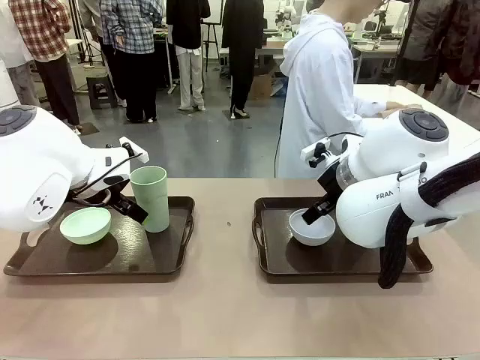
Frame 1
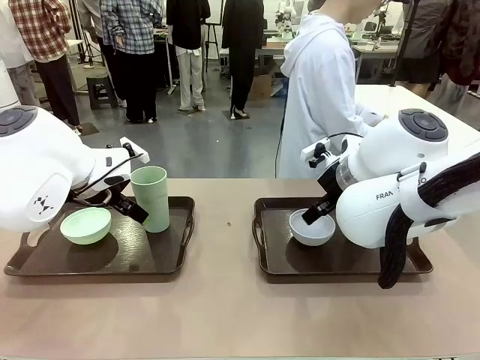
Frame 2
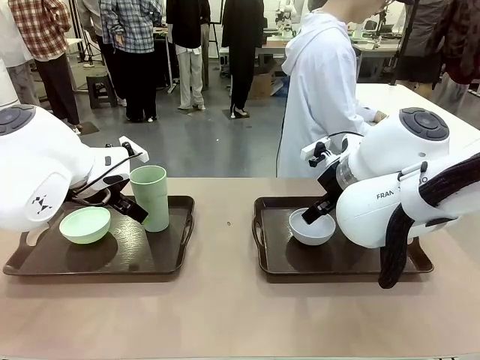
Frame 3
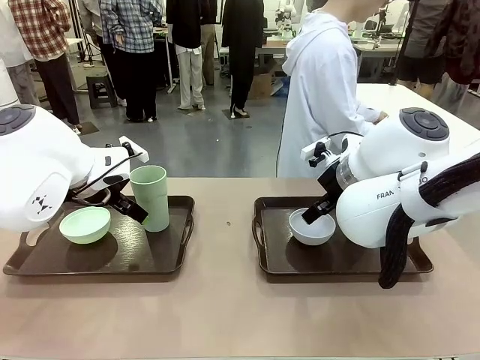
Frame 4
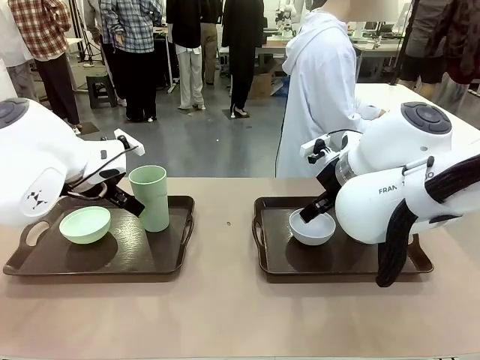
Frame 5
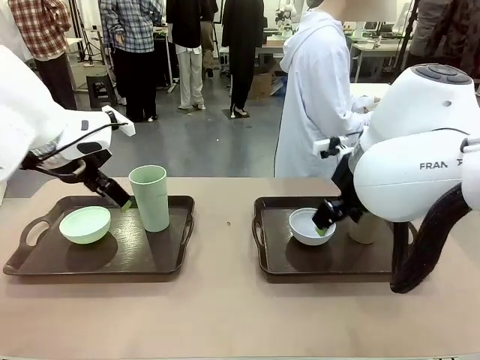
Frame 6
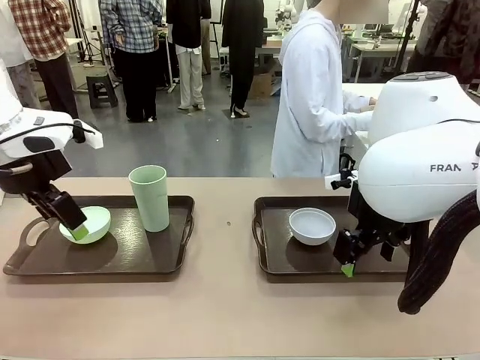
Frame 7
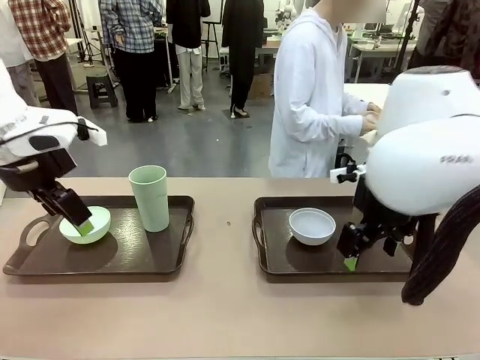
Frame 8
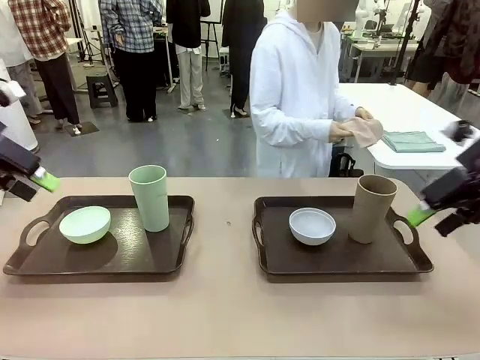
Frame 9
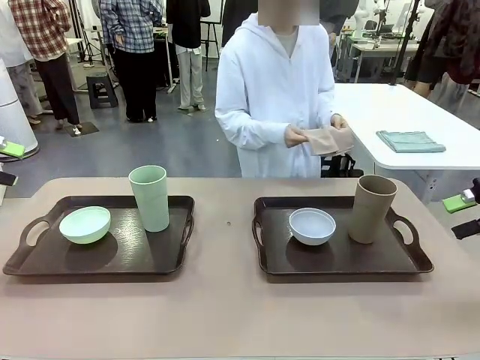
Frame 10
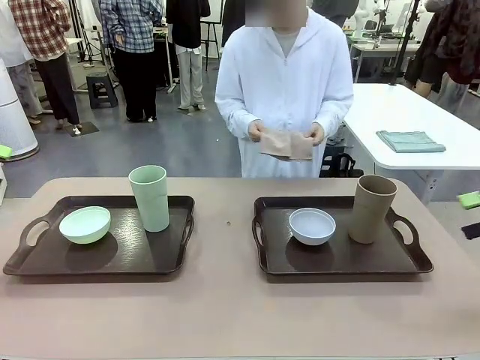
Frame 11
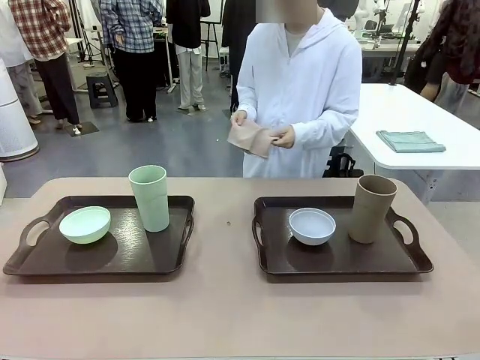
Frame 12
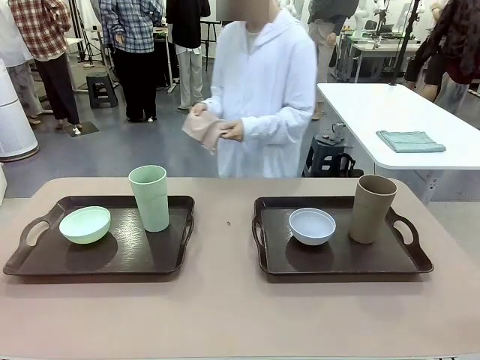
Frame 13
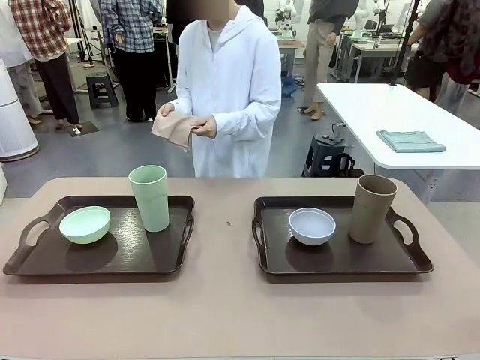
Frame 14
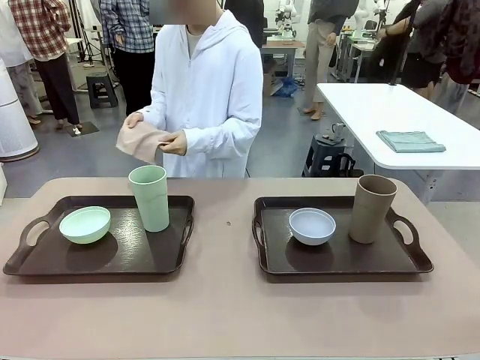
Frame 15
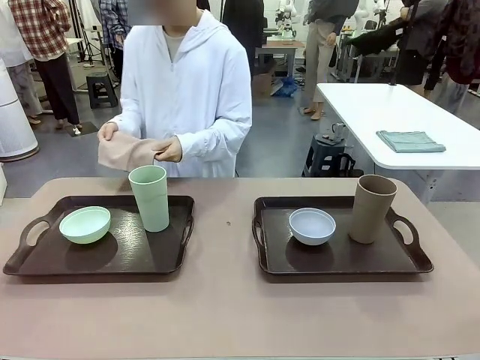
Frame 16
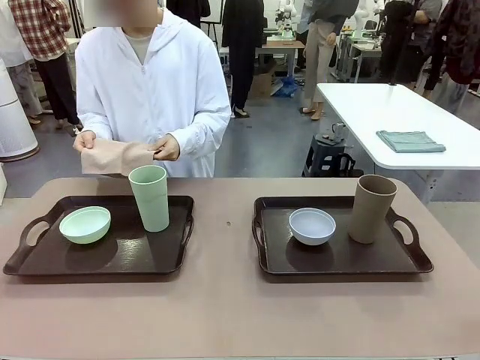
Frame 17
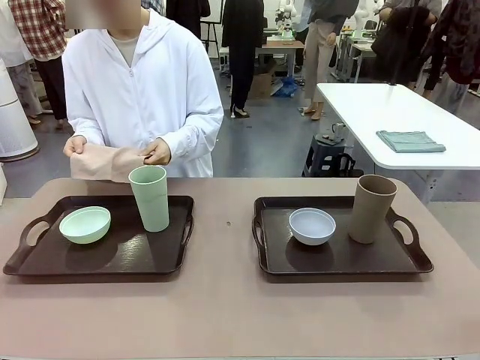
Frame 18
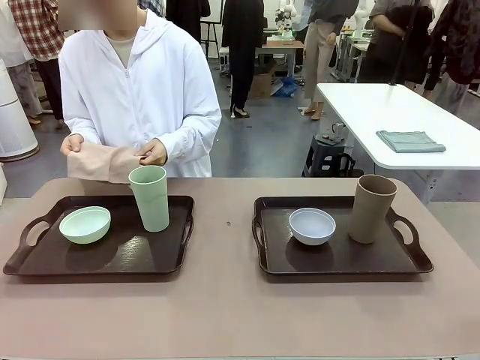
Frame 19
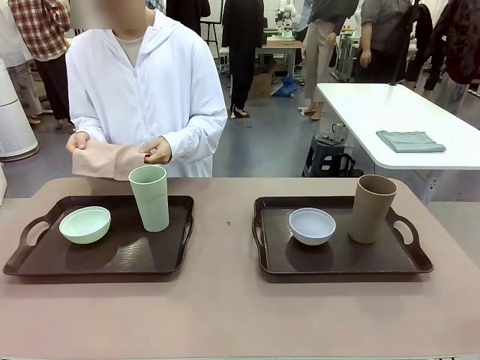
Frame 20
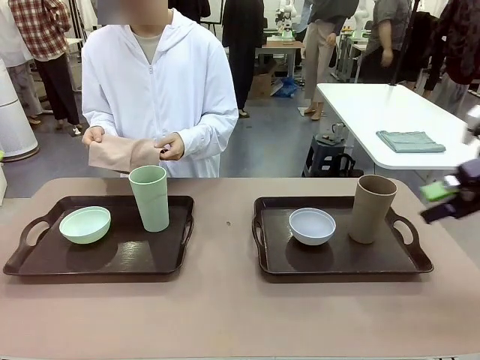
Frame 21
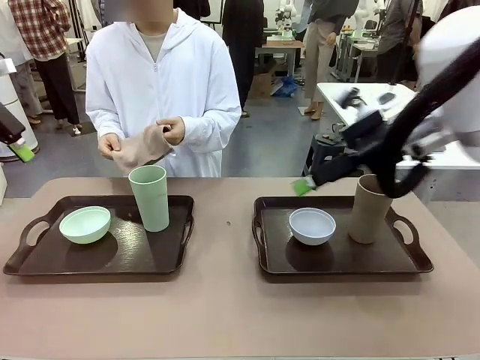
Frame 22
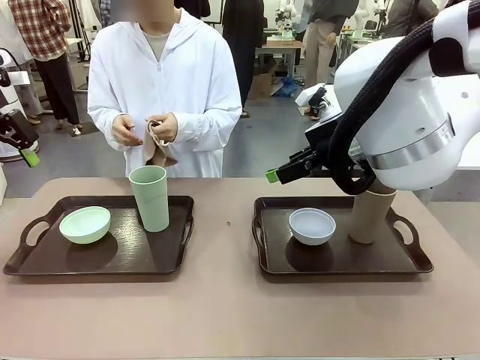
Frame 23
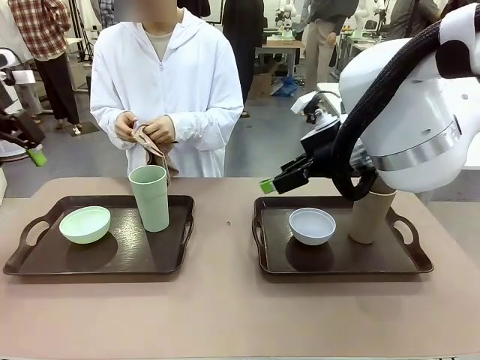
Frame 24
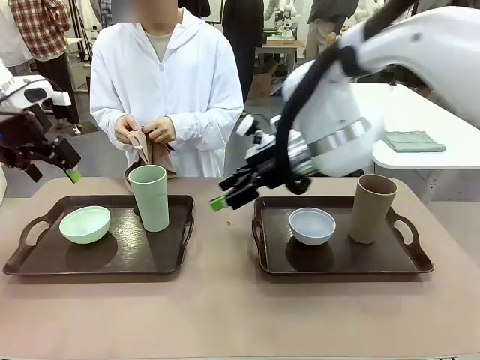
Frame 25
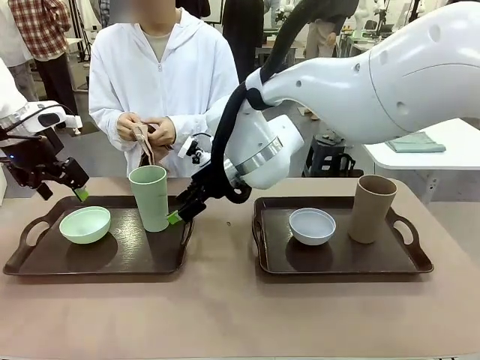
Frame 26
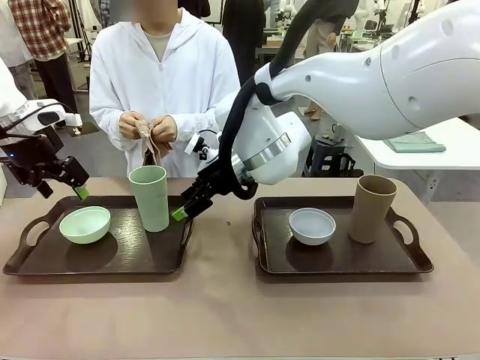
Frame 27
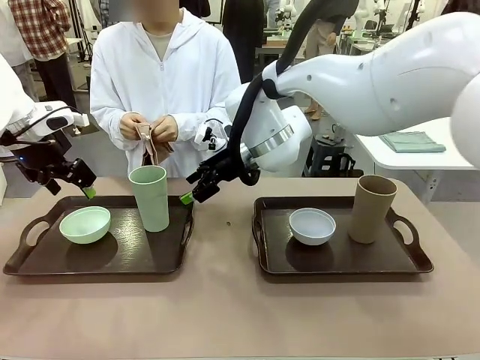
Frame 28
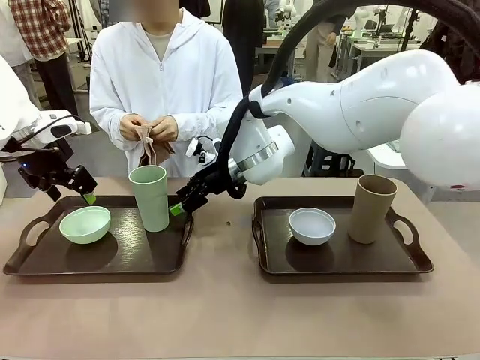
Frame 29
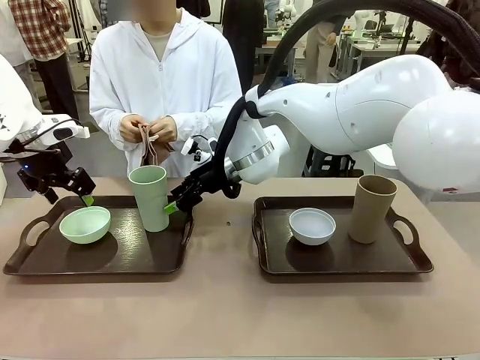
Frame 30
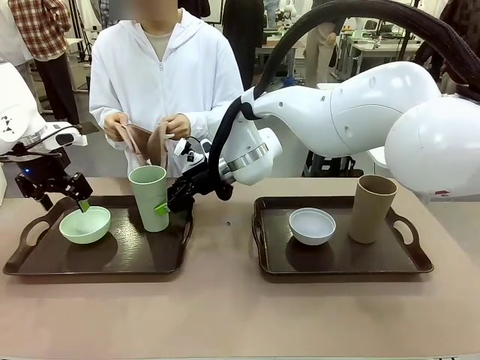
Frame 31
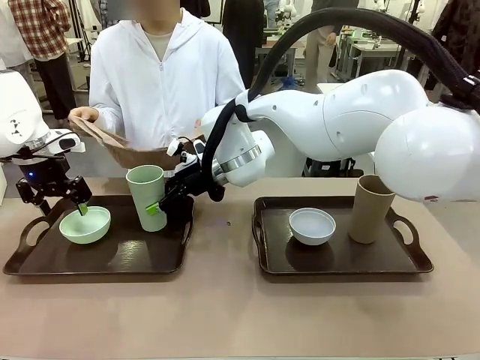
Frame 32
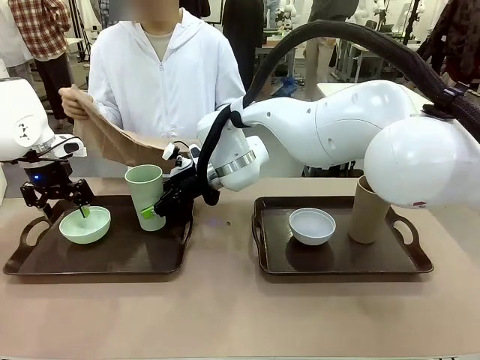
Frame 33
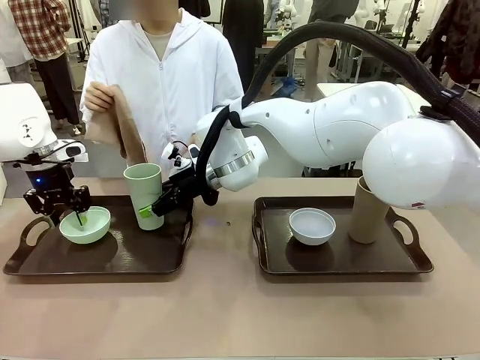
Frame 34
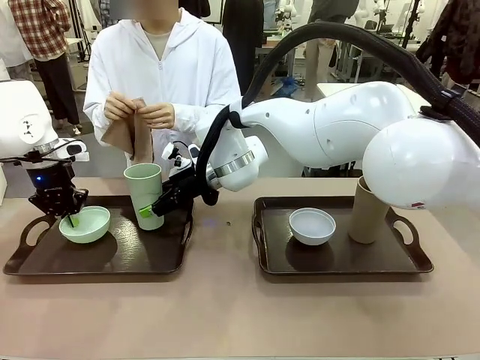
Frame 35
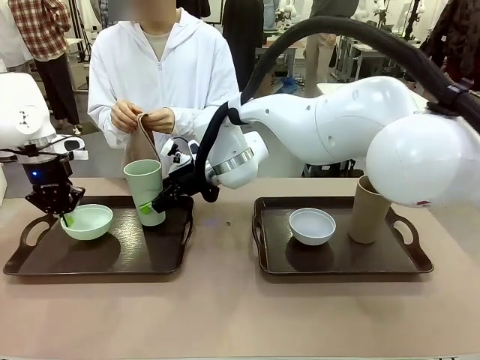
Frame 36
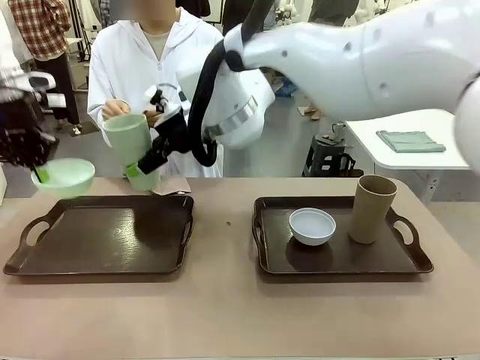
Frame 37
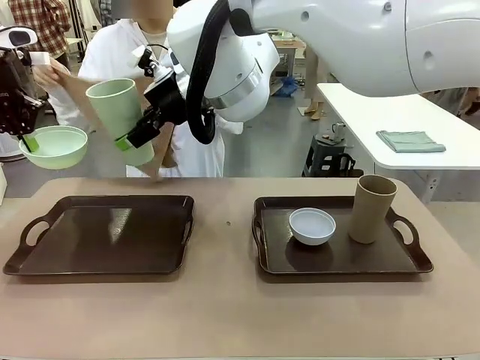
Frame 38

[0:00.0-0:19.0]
Robot: Pick up the Picnic Bowl and Reusable plastic cup from the Handle tray in front of the human's position and hold them in the air.
Person: The human picks up the top napkin from the stack on the human table and walks to the robot table to stand in front of one of the two trays. When the robot lifts the bowl and the cup, the human unfolds the napkin and lays the napkin flat on the tray.

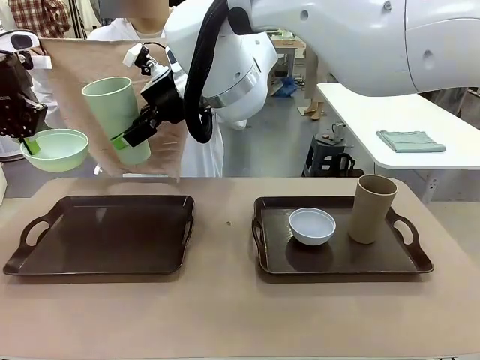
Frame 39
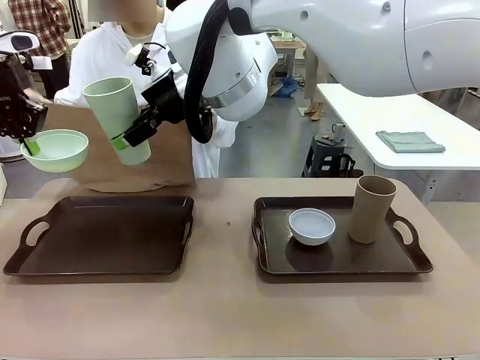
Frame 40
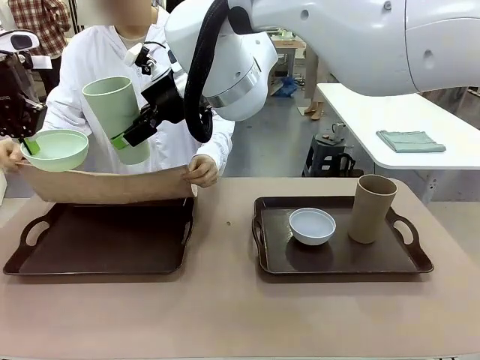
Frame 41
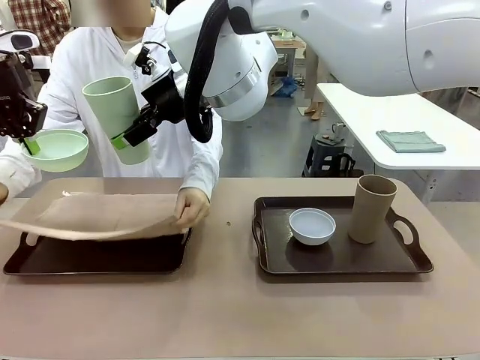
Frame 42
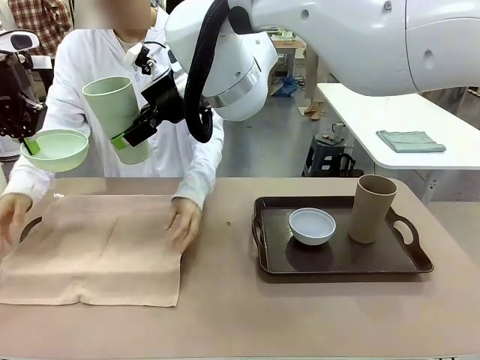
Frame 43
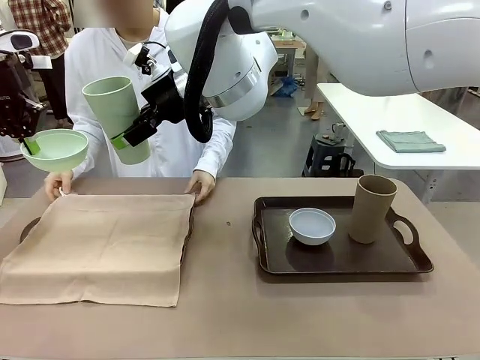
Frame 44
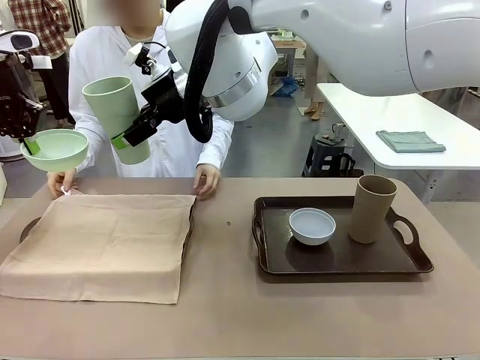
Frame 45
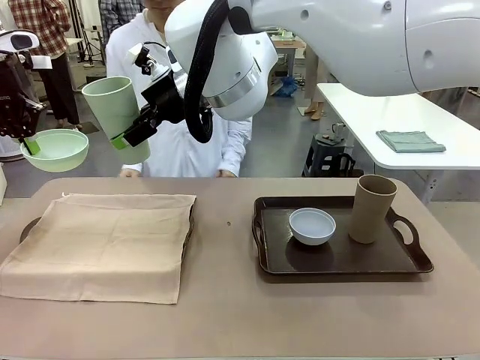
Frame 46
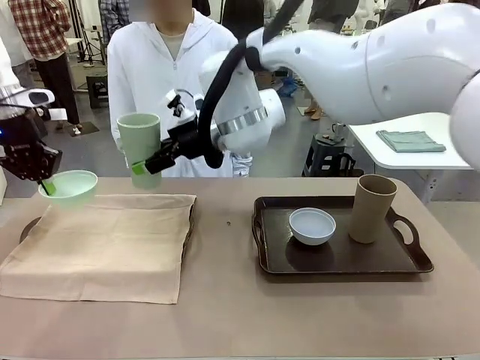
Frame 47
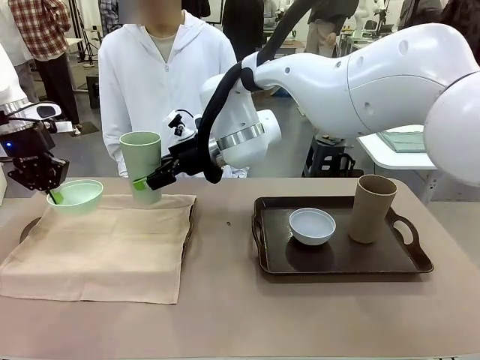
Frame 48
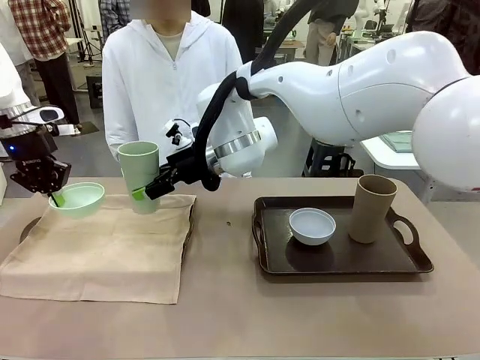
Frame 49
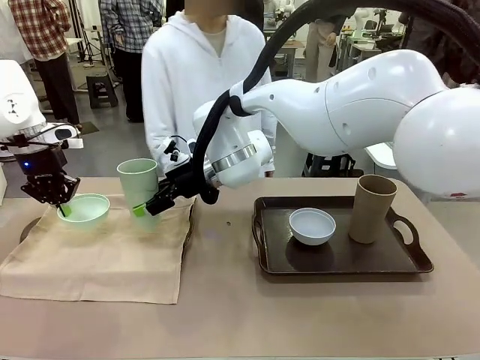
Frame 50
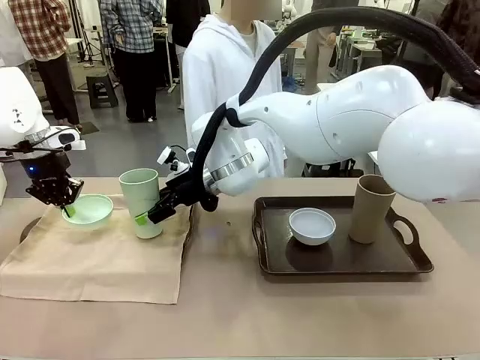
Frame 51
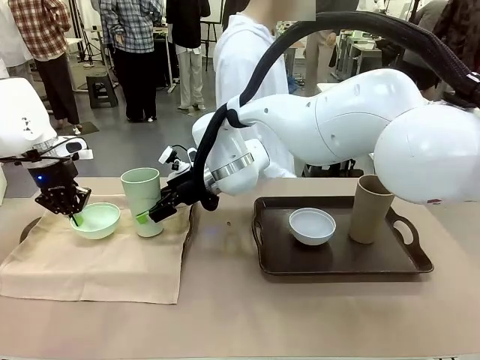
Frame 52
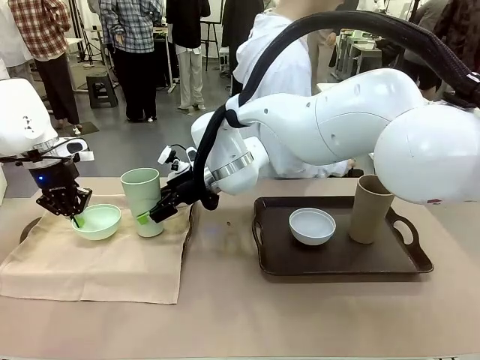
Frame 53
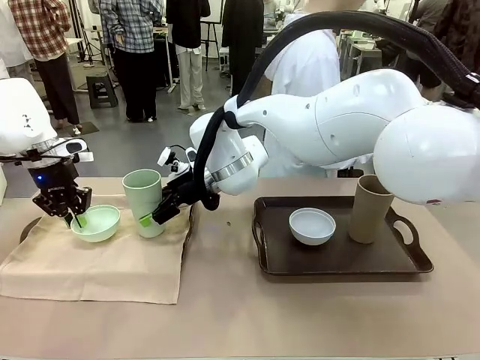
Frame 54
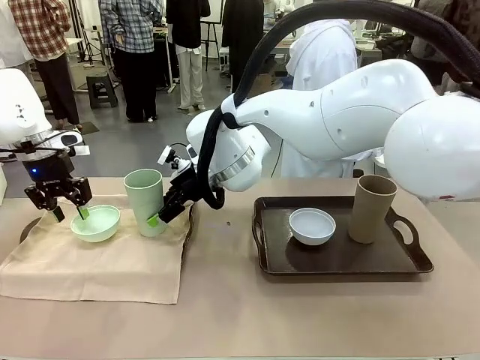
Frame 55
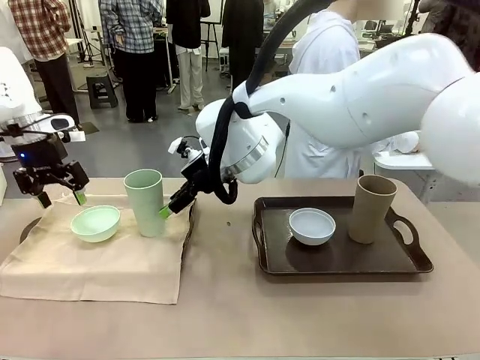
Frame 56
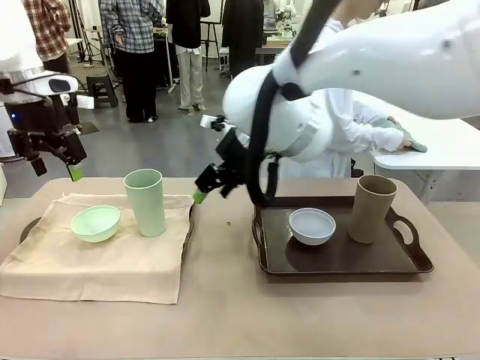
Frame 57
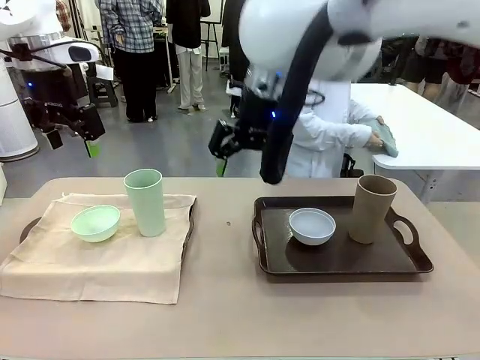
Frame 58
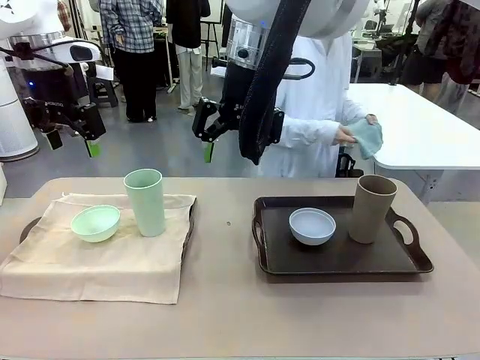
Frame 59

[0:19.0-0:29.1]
Robot: Place the Picnic Bowl and Reusable plastic cup back onto the Handle tray in front of the human's position.
Person: The human returns to the human table to pick up another napkin and walks to the robot table to stand in front of the tray without a napkin.
